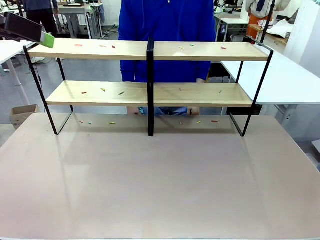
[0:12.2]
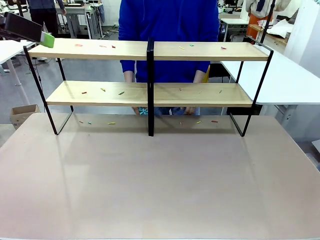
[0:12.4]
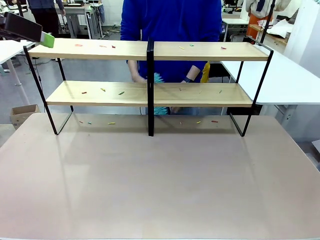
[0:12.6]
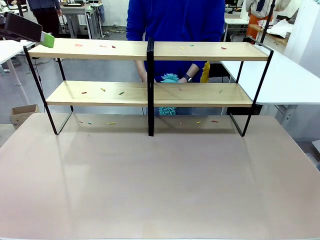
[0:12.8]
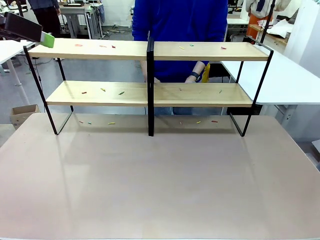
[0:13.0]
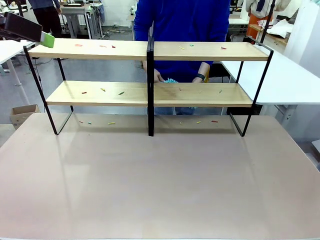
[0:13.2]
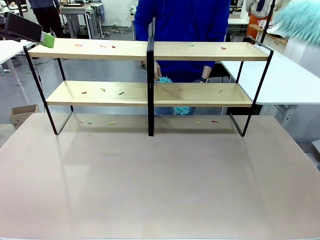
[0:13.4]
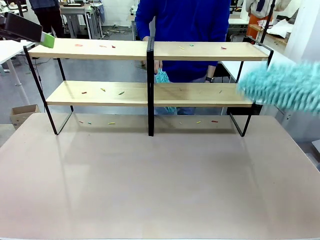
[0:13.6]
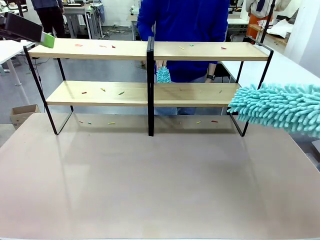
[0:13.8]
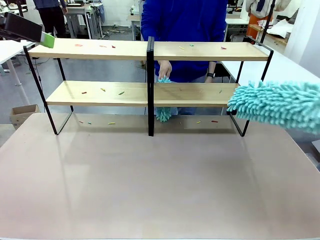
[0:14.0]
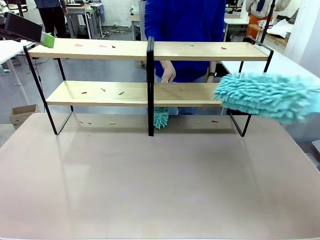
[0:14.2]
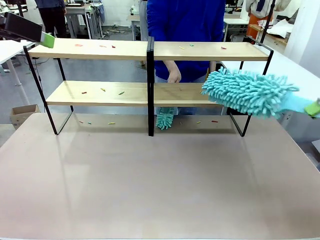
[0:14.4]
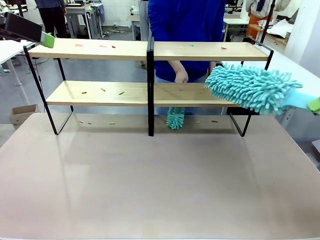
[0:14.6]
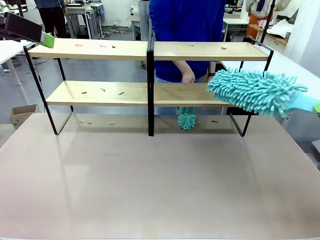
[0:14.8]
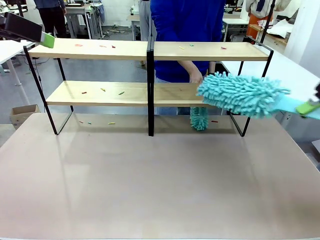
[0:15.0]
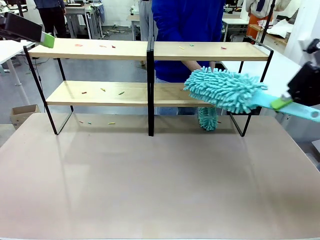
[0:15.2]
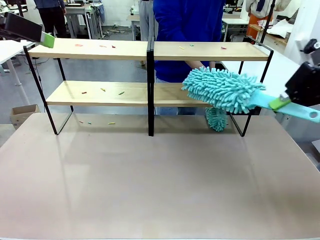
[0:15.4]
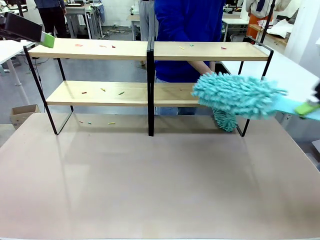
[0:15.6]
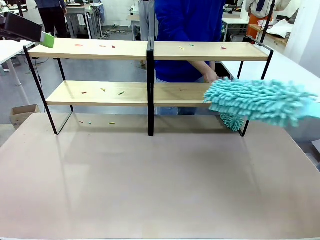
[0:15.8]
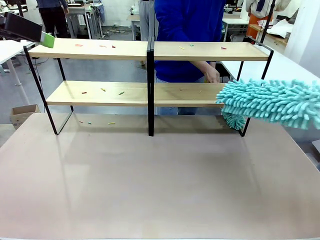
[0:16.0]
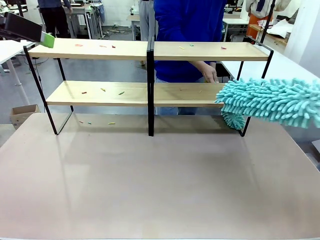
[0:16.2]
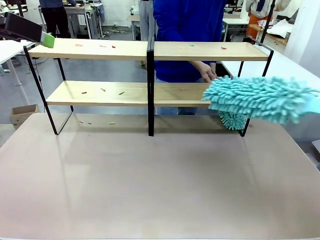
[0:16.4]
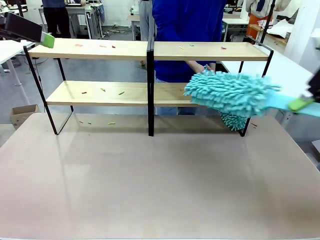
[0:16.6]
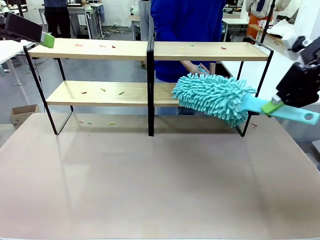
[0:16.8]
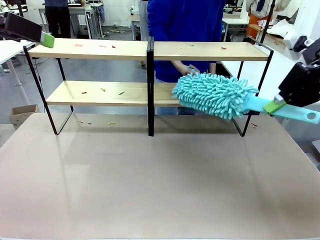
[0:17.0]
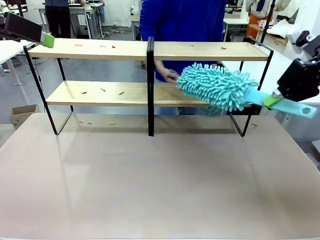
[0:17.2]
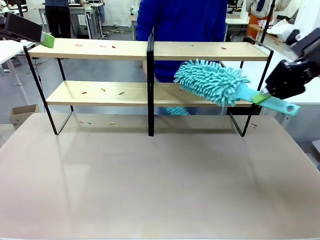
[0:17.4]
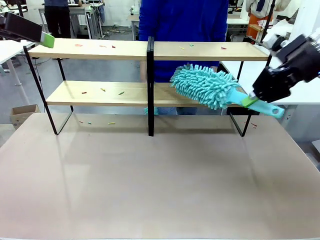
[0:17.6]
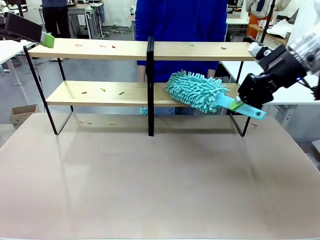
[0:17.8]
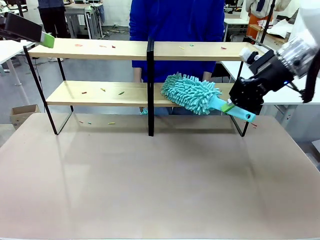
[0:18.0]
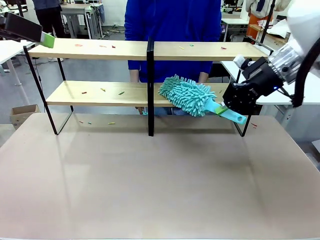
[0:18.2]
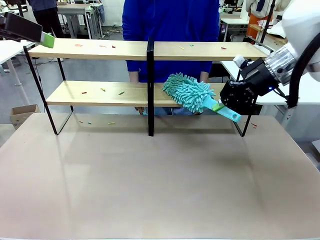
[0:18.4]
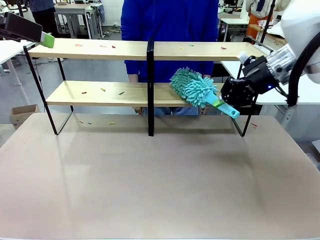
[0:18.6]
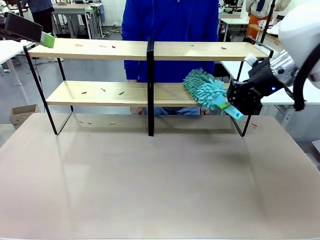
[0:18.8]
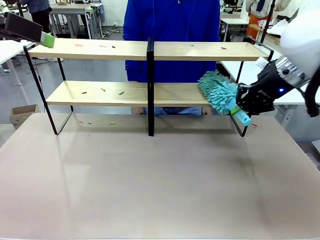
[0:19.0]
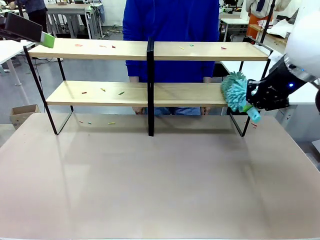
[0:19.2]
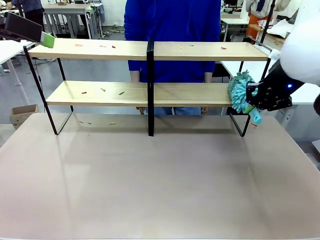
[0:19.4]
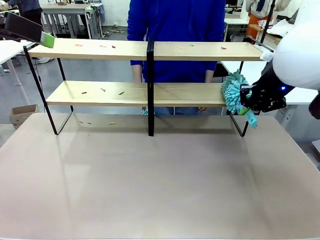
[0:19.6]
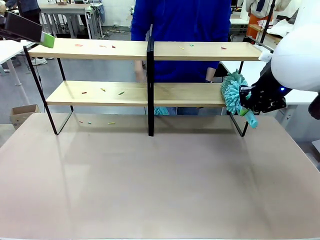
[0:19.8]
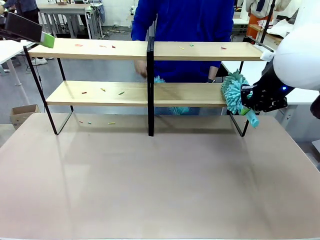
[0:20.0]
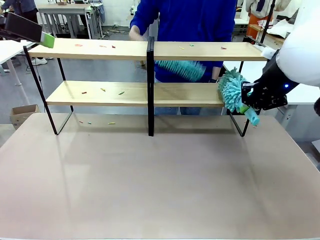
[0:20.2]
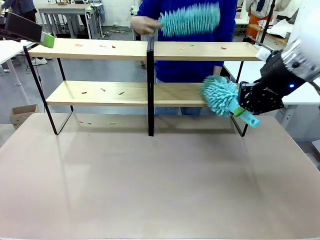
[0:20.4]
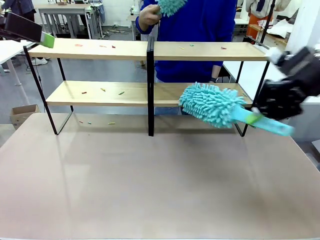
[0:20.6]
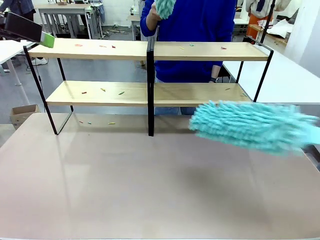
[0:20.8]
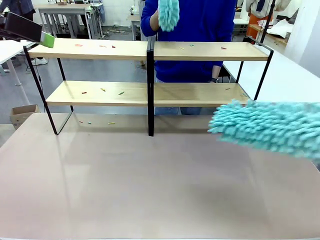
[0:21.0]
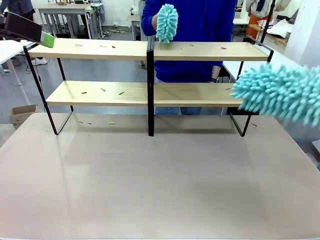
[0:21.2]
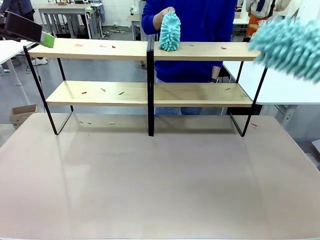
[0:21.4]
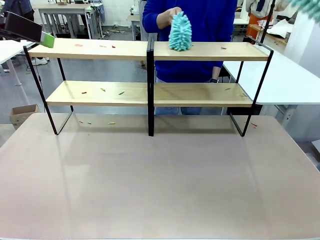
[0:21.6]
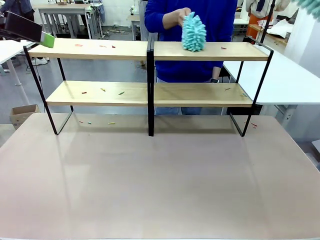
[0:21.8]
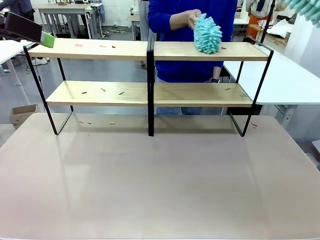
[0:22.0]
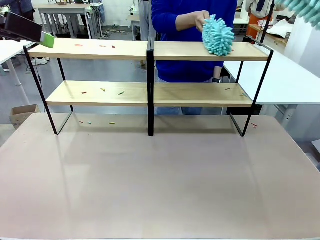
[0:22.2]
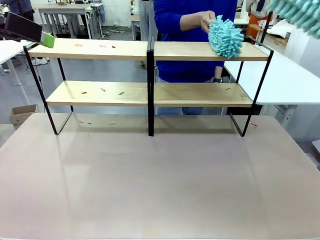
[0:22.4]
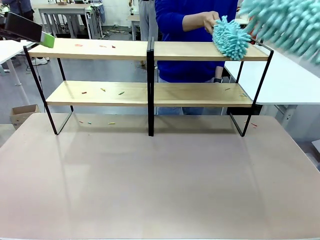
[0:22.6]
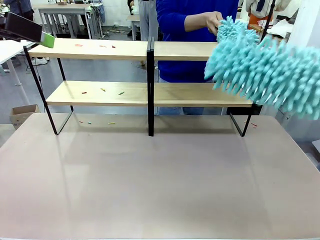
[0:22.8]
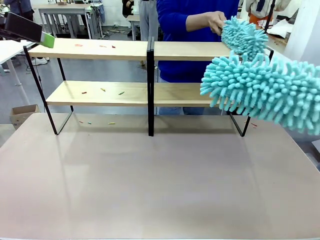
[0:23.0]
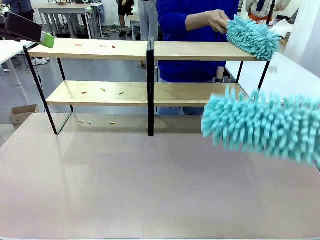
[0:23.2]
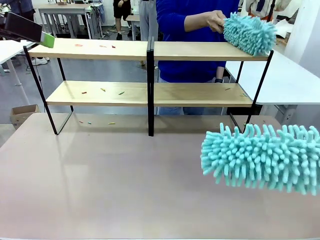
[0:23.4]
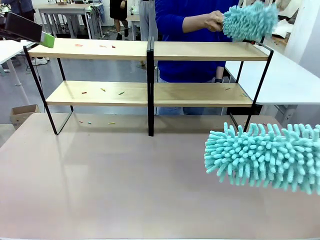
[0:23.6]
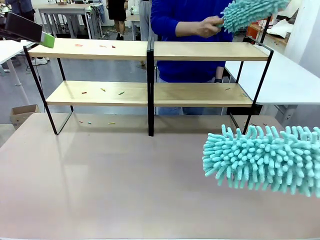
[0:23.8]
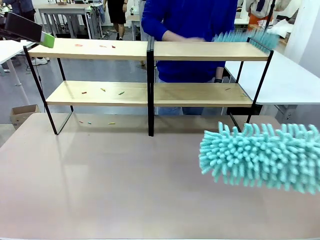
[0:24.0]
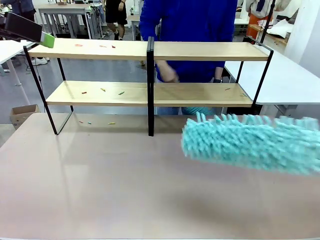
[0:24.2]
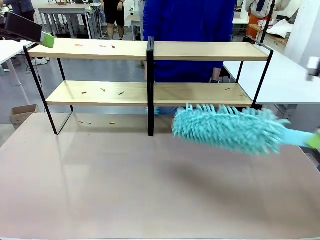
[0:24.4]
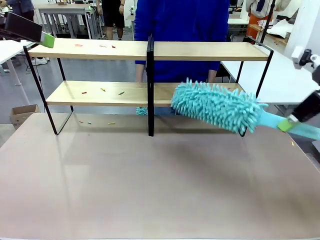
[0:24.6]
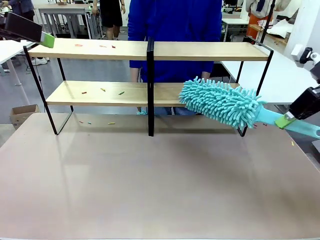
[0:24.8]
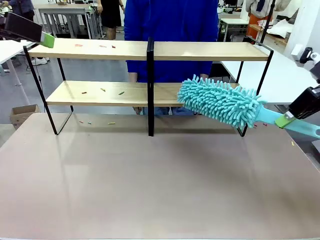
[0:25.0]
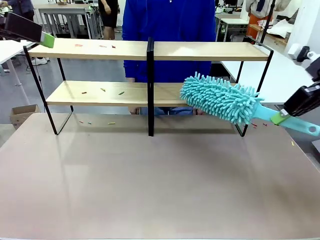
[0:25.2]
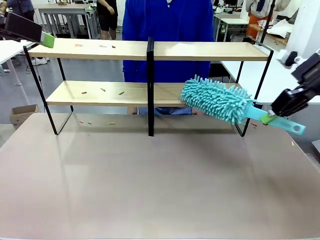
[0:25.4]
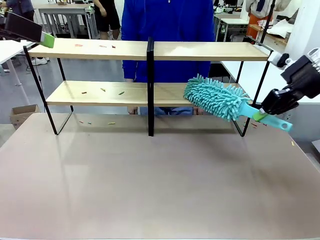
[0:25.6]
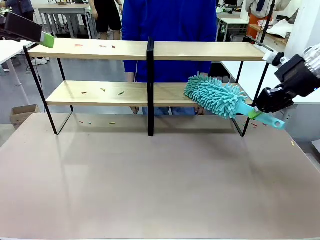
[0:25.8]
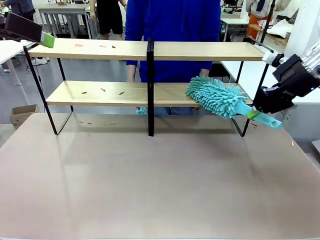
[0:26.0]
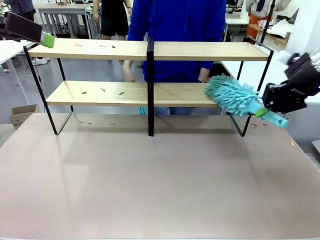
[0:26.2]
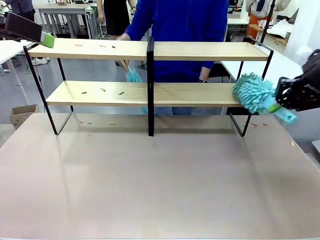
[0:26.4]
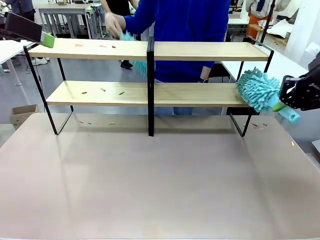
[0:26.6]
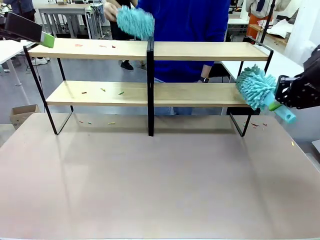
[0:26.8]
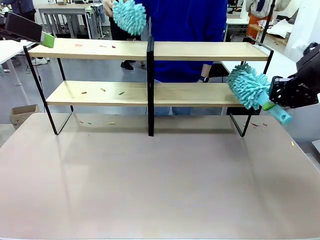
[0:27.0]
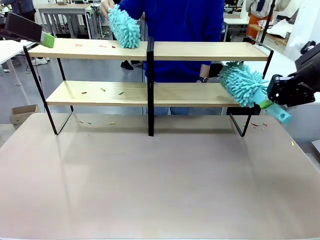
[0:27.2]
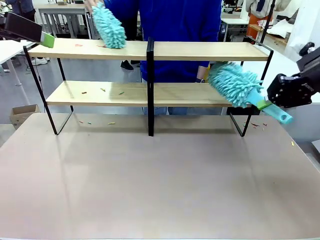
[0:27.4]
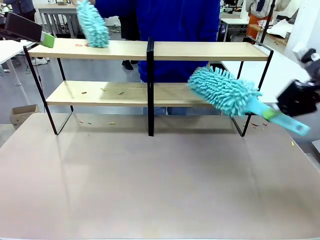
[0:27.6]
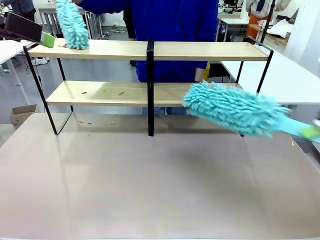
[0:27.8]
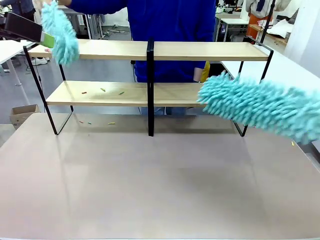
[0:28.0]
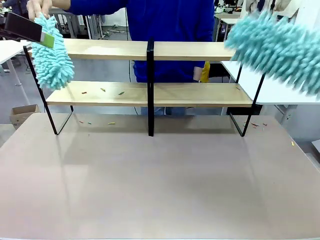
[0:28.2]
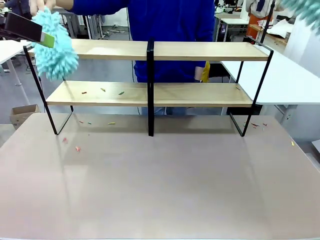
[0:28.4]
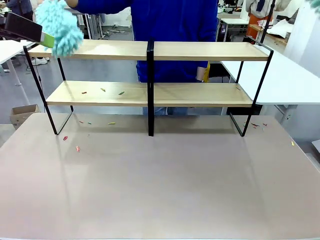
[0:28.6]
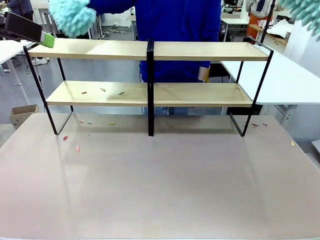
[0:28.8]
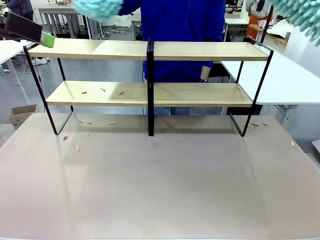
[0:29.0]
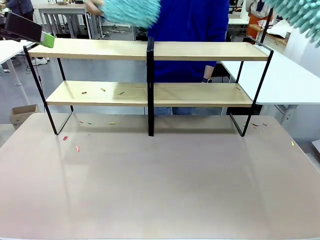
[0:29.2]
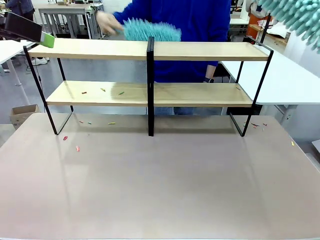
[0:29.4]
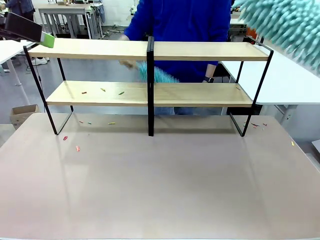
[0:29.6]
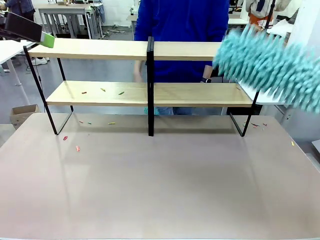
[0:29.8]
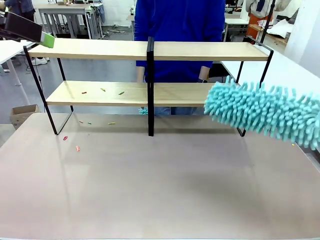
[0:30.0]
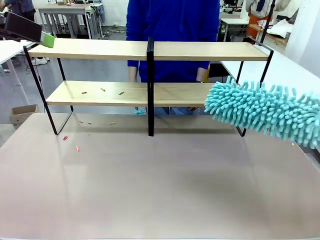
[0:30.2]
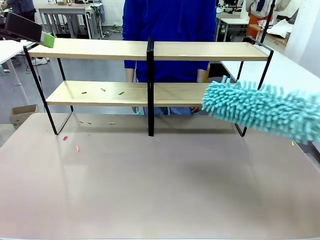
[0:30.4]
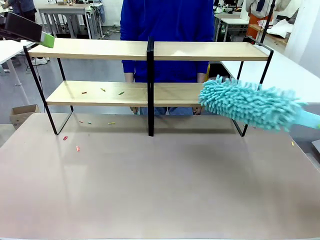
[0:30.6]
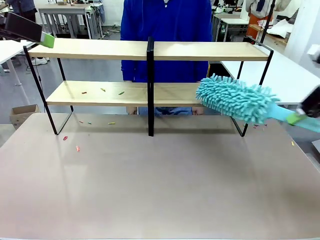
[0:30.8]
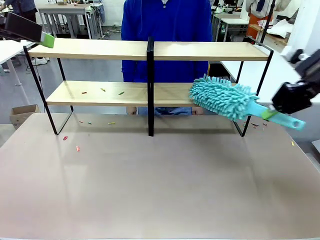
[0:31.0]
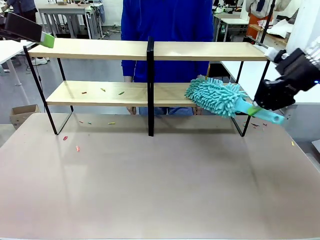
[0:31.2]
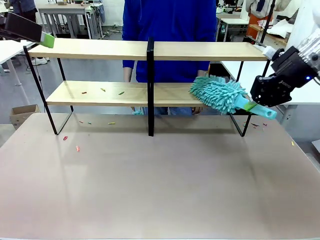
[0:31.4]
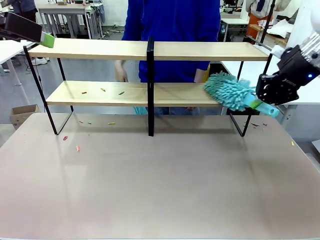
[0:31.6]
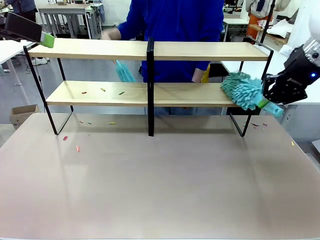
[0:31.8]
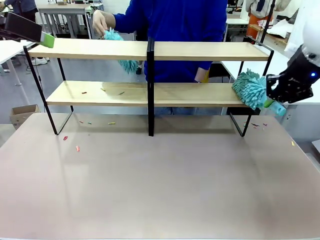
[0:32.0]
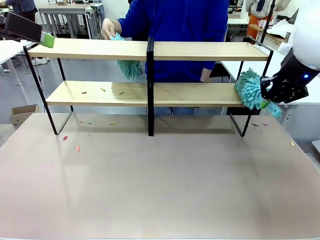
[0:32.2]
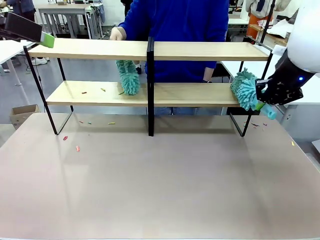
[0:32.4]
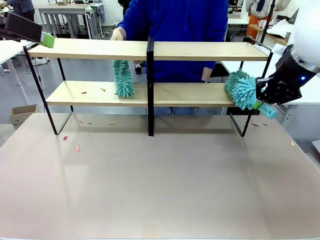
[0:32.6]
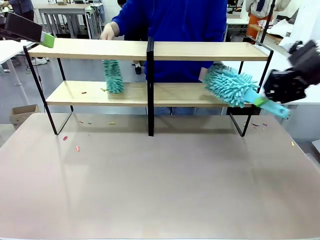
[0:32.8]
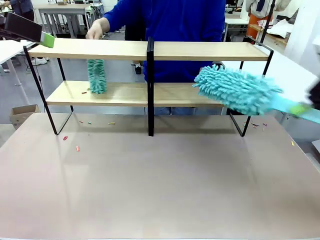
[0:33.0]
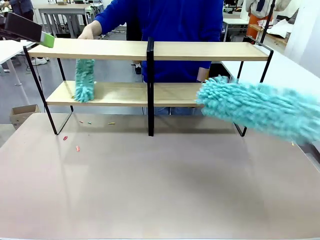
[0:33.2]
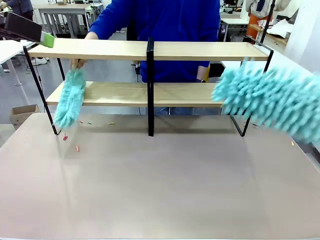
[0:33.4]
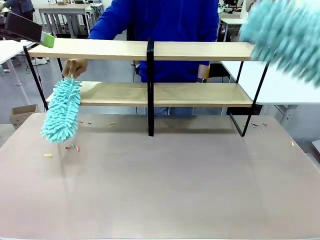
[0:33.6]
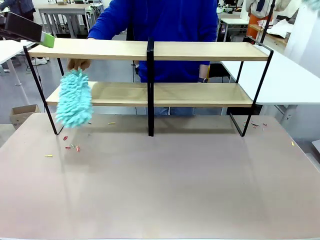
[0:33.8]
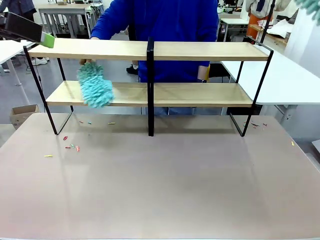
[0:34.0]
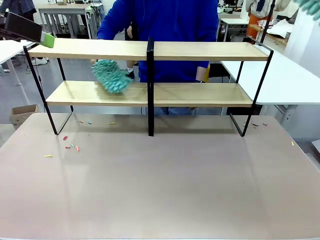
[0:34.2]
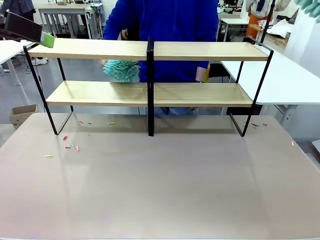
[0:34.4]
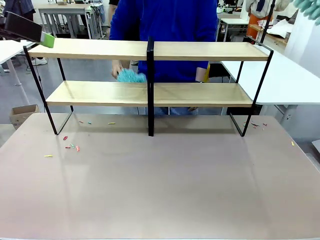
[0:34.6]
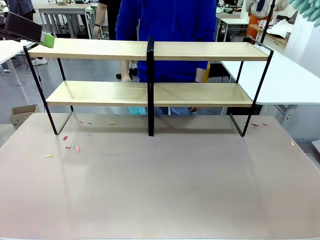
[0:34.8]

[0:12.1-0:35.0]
Task: Clean the shelves.
Robot: Clean a randomly selected level of the Shelf with the Duster.
Person: Clean a randomly selected level of the Shelf with the Duster.
